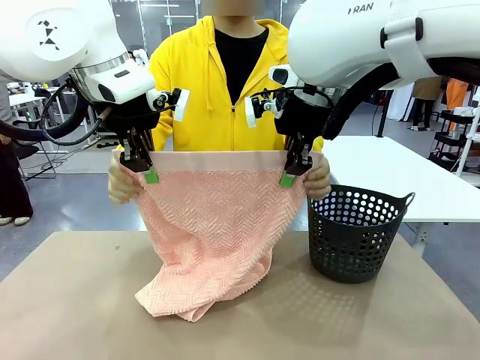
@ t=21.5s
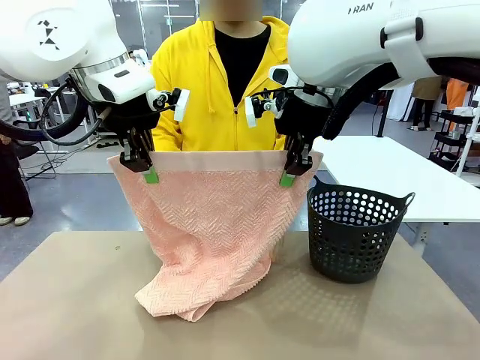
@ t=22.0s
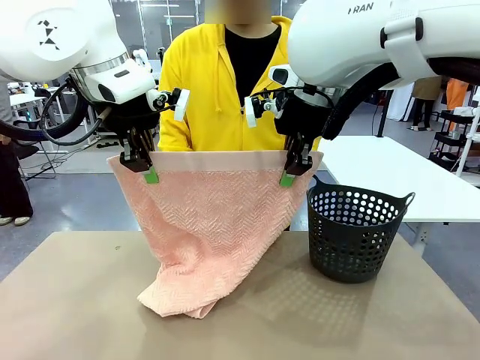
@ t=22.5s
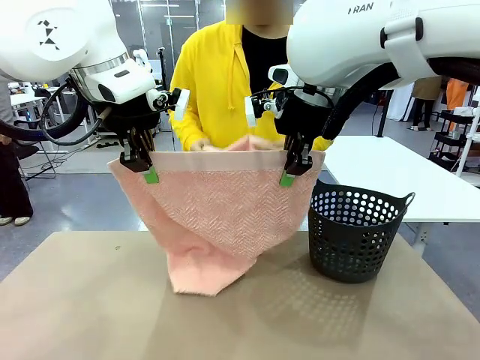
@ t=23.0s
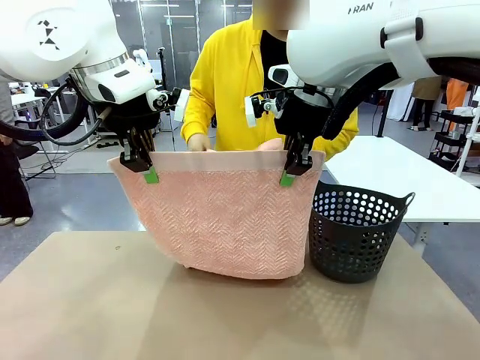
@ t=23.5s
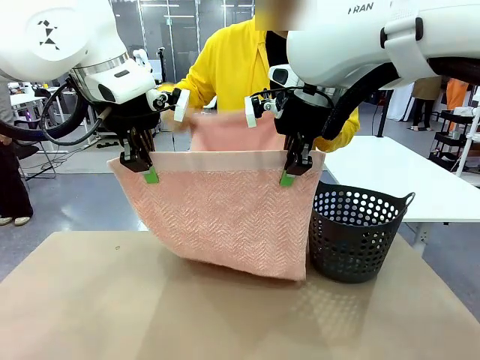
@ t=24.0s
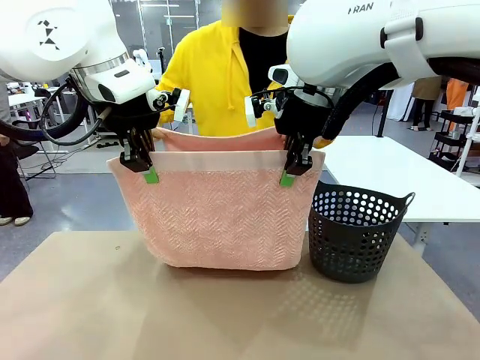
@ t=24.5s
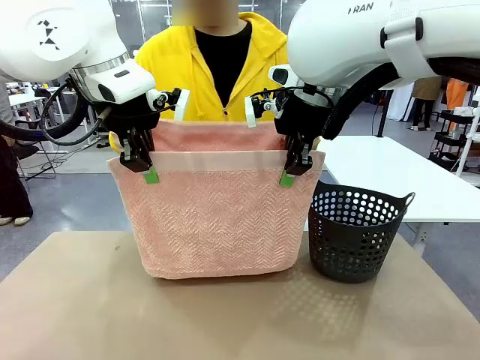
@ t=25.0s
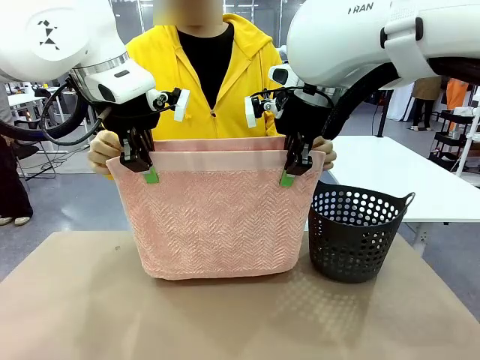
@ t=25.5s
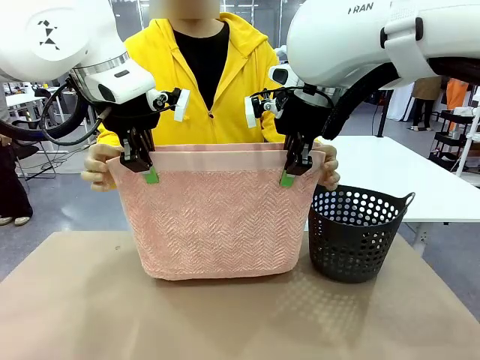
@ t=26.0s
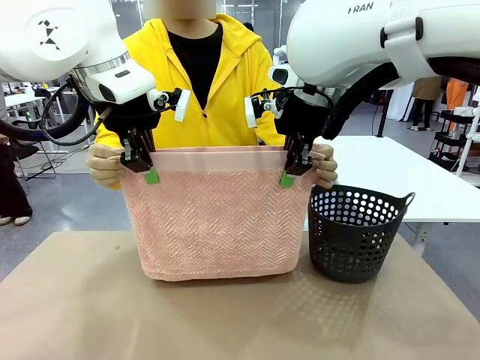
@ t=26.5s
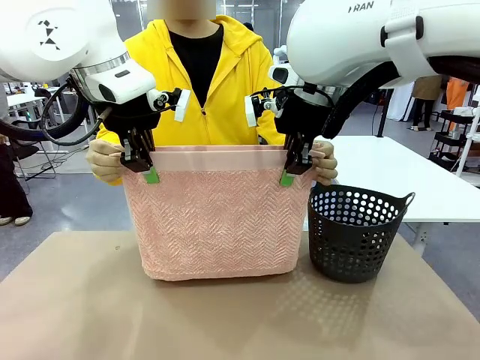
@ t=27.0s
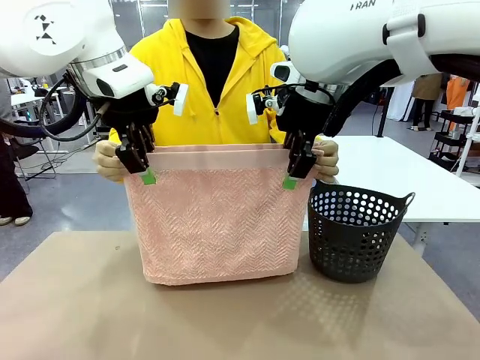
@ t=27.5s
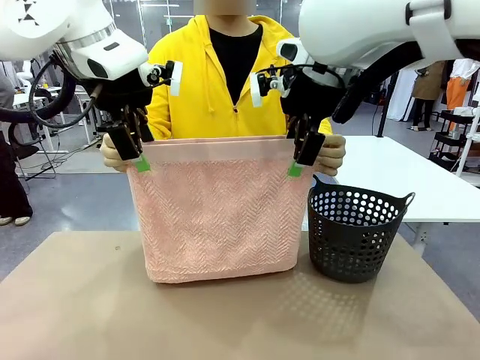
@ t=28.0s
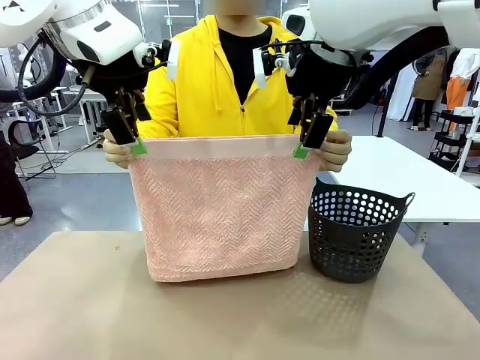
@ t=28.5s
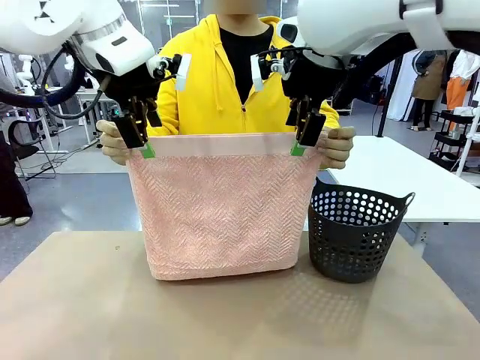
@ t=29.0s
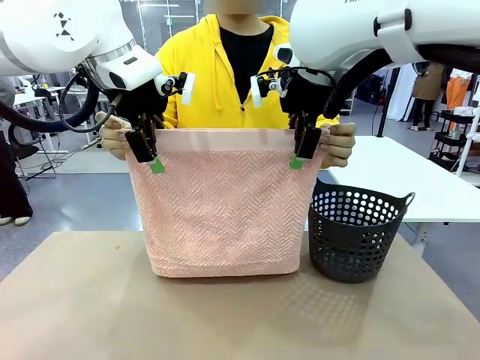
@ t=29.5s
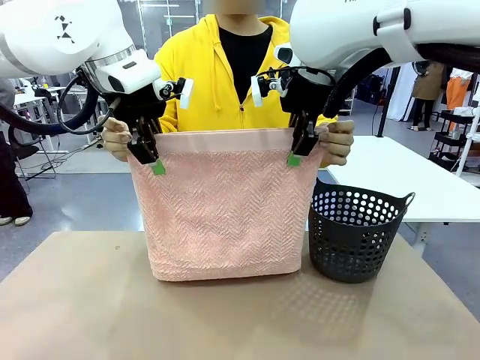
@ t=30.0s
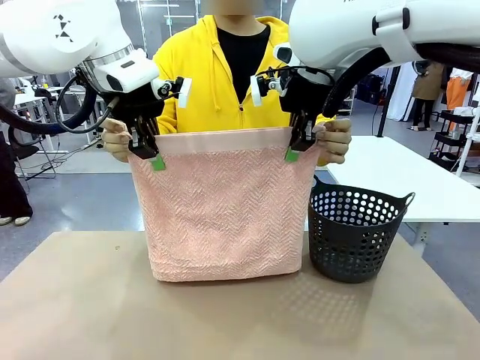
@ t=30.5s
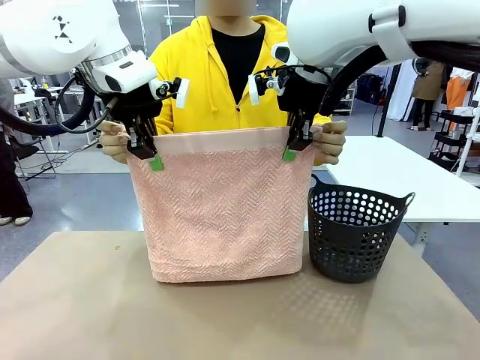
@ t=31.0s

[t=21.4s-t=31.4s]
Task: Fold the towel.
Robot: Release the end of the 100 cm Hotel Towel you were holding and grab the top end of the folded side.

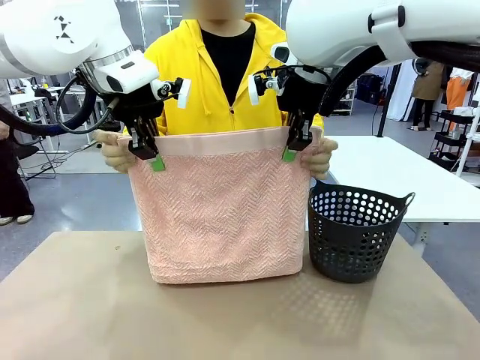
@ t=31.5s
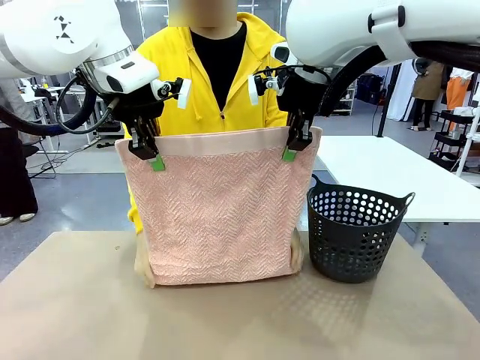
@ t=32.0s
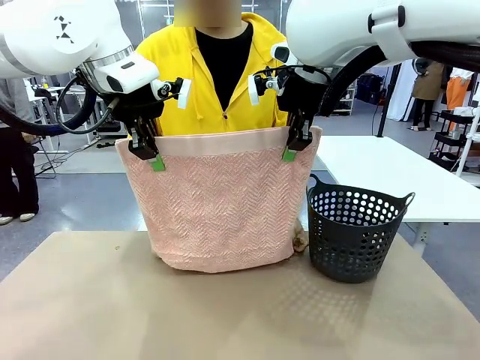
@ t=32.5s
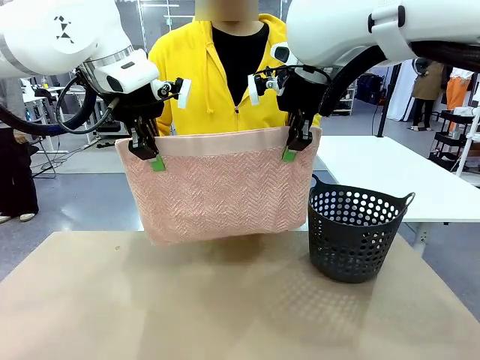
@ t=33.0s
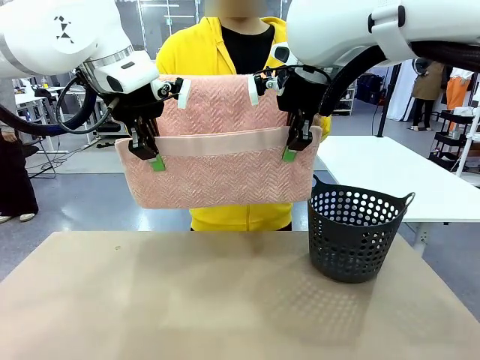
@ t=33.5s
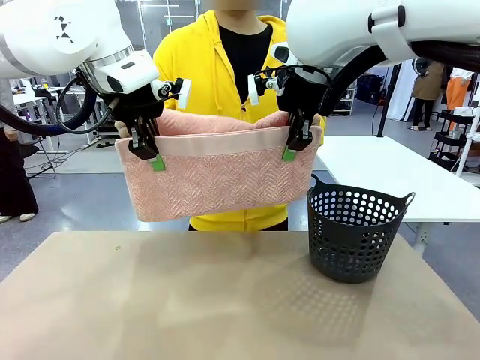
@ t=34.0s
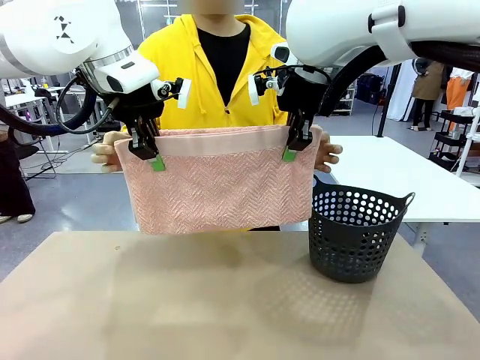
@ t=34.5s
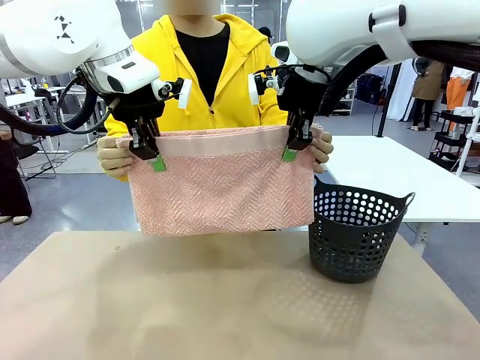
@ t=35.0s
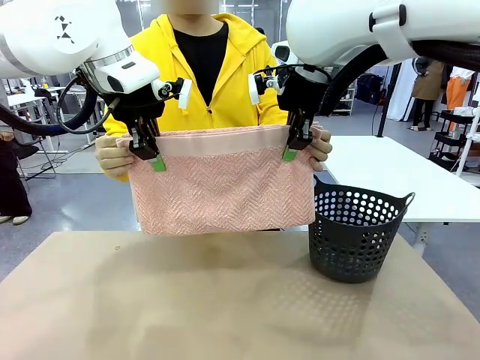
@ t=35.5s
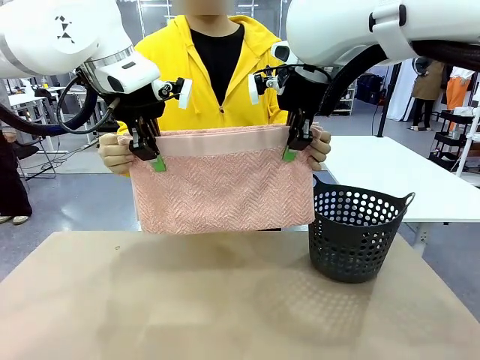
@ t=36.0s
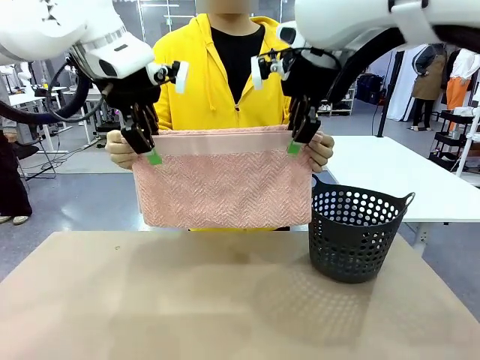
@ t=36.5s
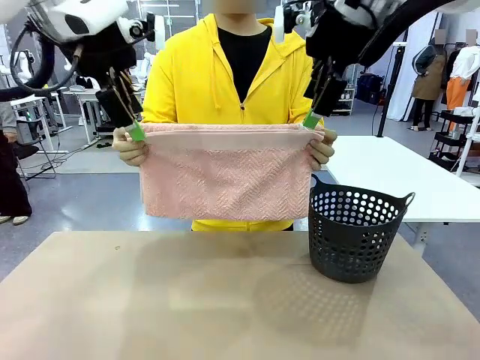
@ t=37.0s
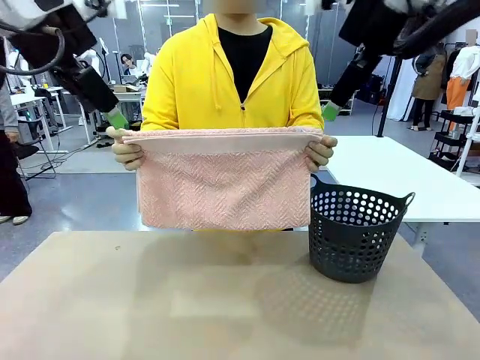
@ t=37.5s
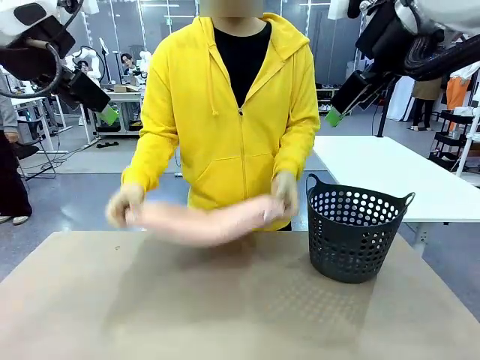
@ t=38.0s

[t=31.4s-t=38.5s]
Robot: Release the end of the 100 cm Hotel Towel you were holding.
Person: Place the towel at the center of the robot table and fold it in half.

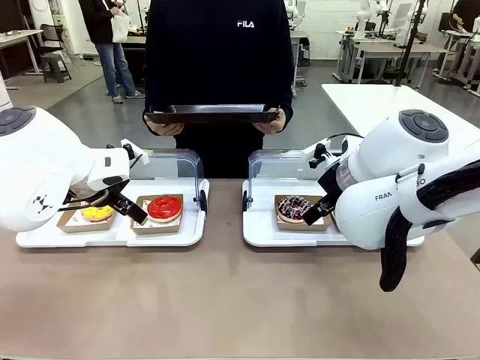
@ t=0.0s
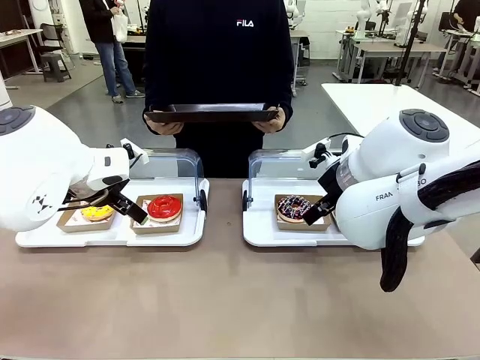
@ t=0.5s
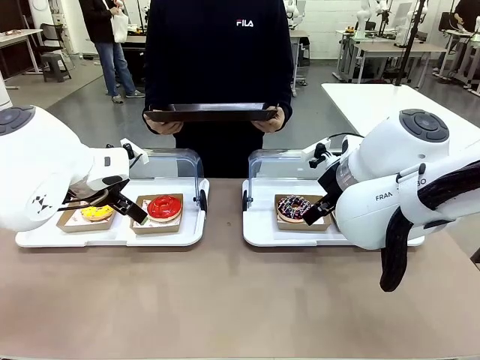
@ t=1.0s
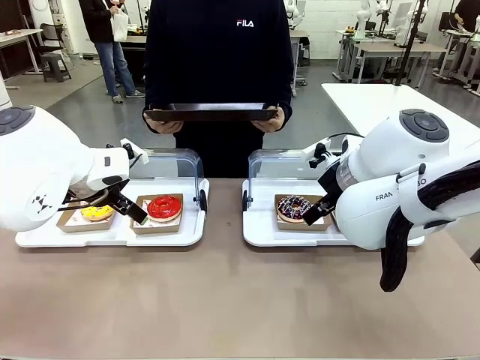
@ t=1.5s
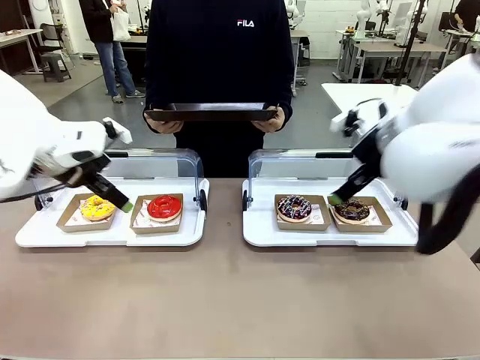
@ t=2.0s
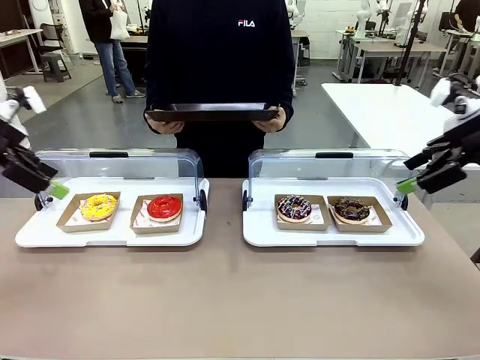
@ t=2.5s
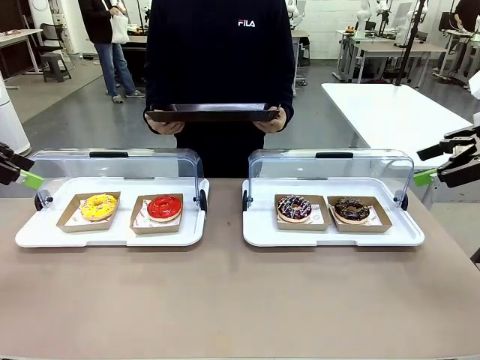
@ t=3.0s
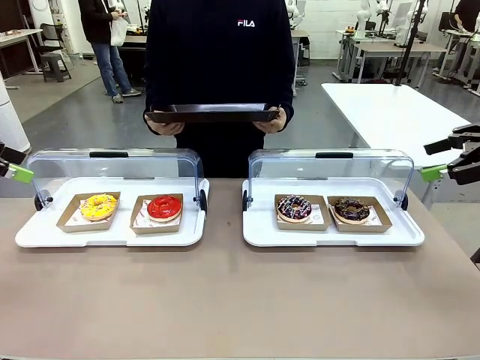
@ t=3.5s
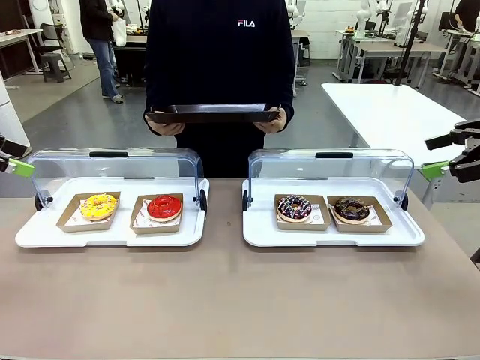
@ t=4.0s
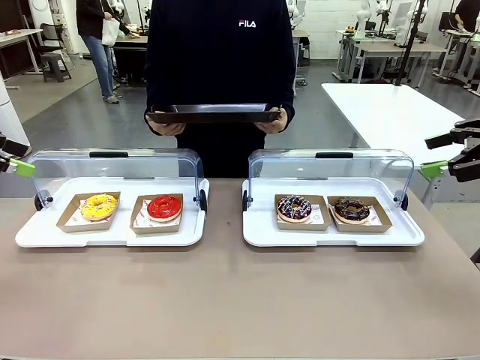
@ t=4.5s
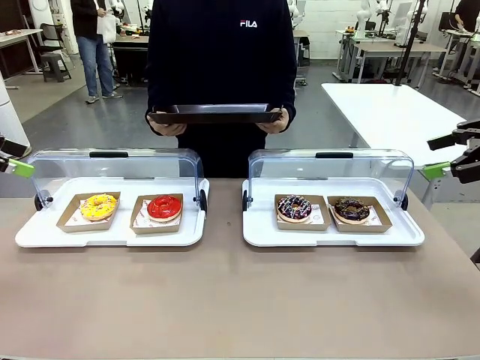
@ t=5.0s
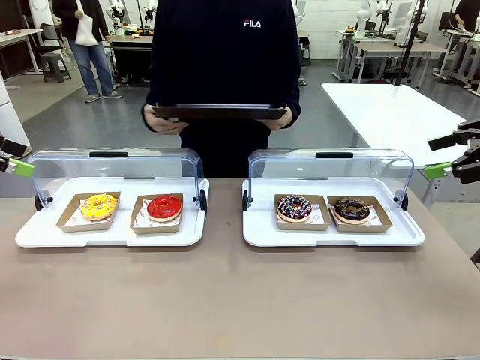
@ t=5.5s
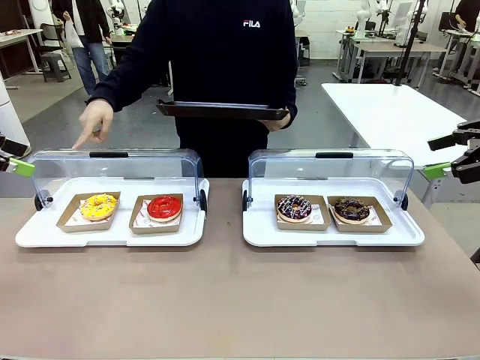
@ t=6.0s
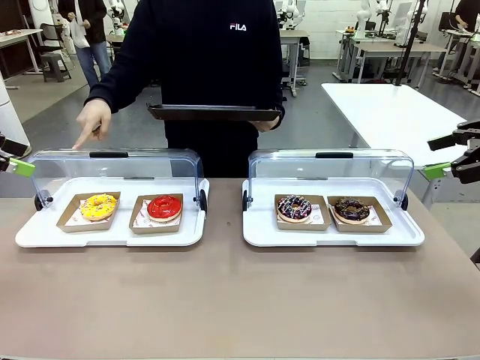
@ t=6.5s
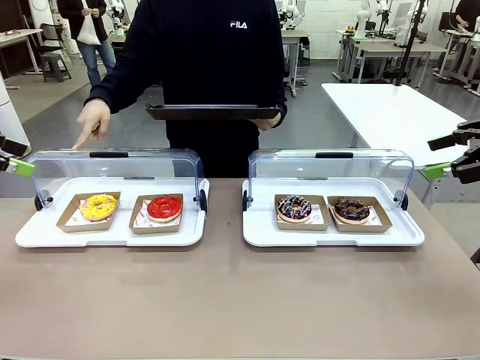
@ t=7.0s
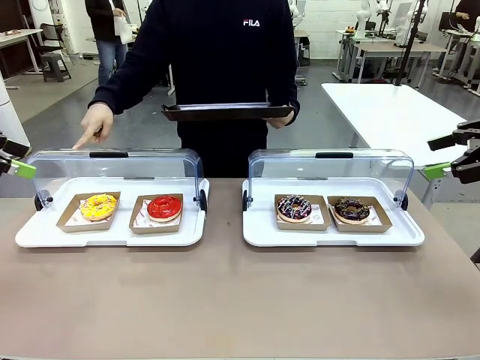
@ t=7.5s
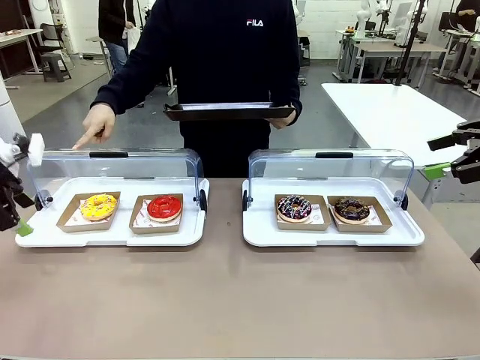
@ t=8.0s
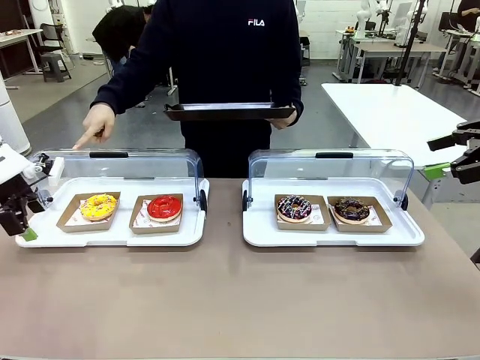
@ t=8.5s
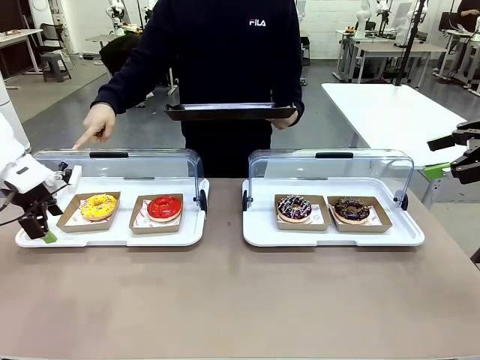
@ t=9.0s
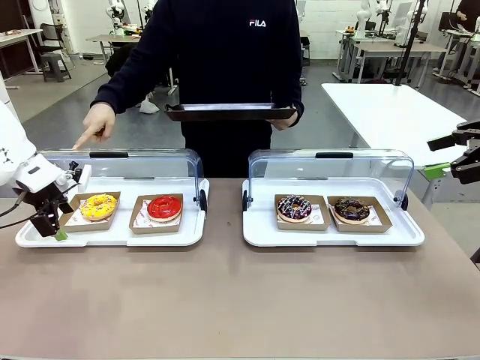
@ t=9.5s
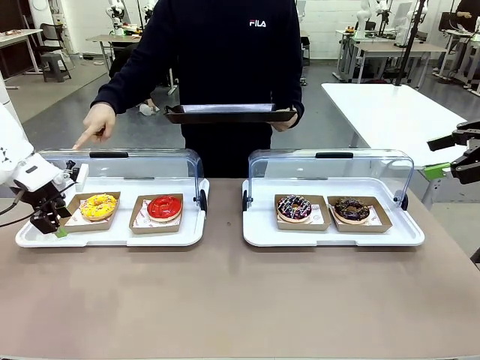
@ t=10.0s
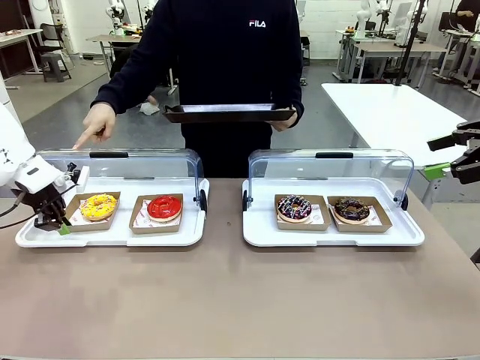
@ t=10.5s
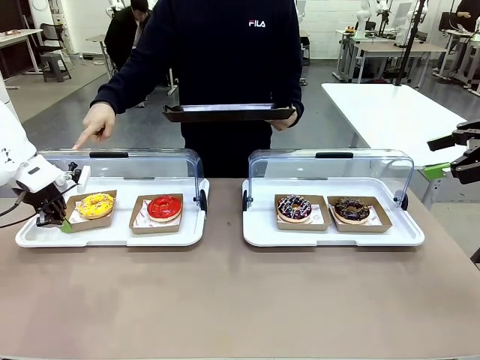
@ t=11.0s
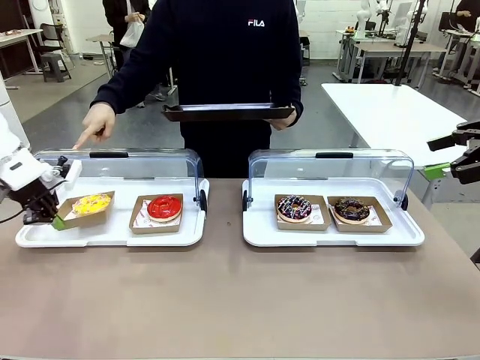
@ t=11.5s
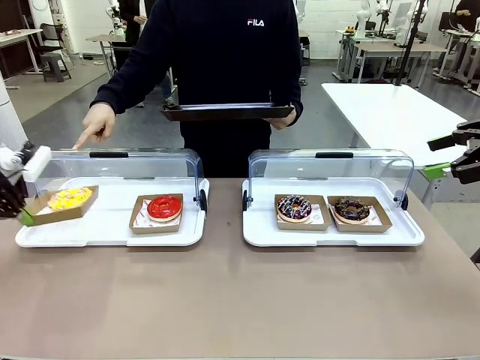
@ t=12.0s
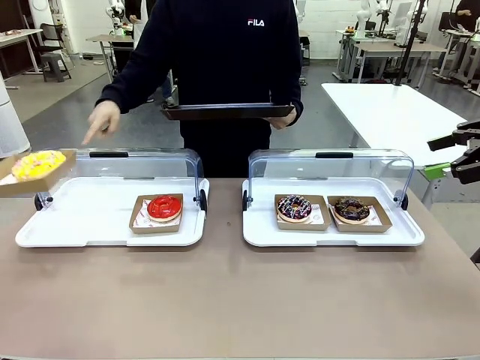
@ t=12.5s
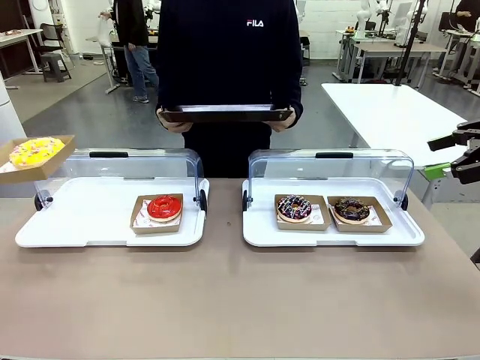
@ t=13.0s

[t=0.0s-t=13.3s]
Task: Provide the desired donut to the person.
Robot: Pick up and lift the Paper togo box containing the Donut pointed at by the person.
Person: Point to one donut. Lift the tray onto the Roll-Top Bakery Case.
